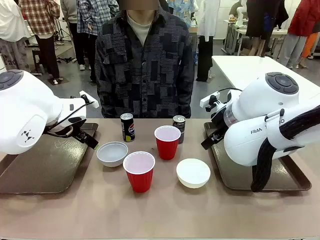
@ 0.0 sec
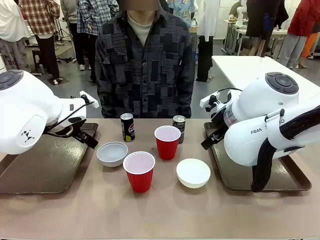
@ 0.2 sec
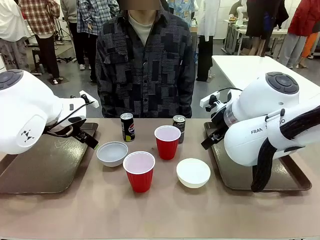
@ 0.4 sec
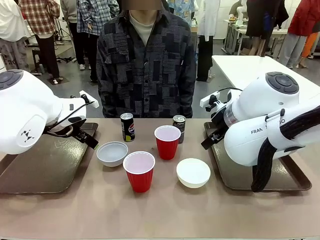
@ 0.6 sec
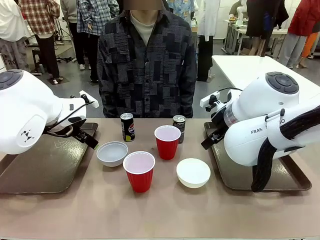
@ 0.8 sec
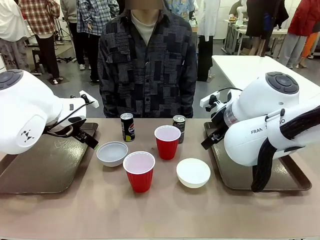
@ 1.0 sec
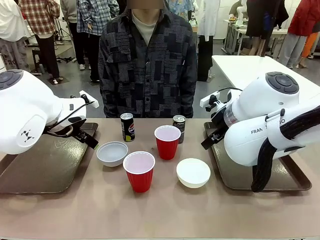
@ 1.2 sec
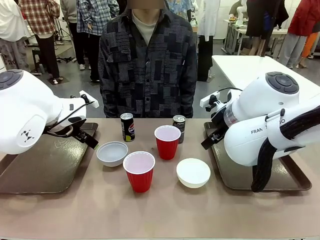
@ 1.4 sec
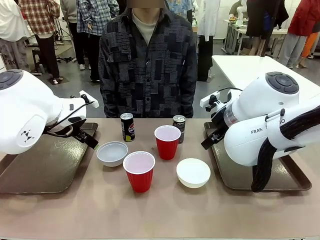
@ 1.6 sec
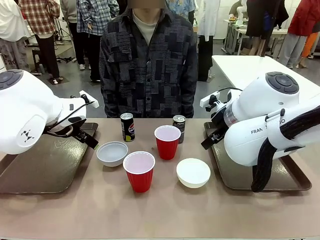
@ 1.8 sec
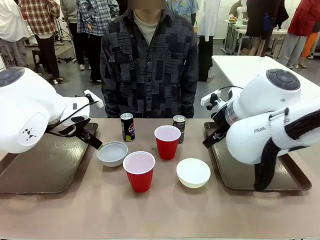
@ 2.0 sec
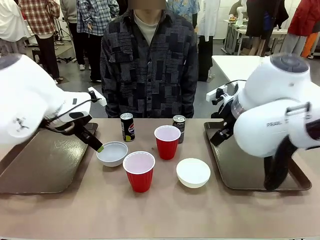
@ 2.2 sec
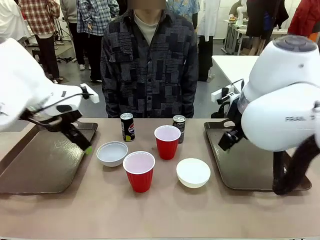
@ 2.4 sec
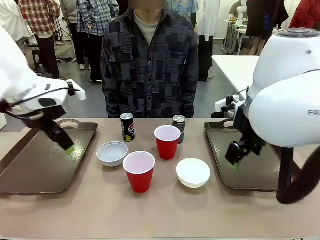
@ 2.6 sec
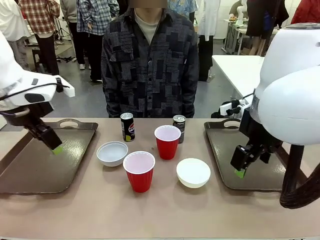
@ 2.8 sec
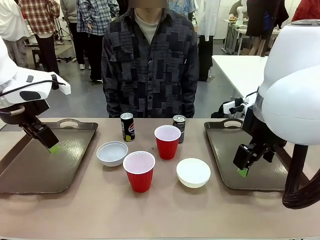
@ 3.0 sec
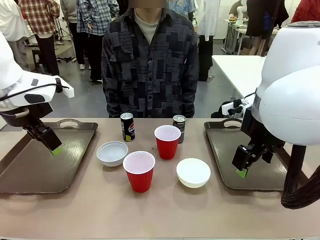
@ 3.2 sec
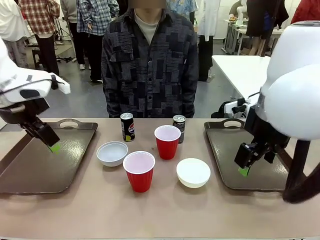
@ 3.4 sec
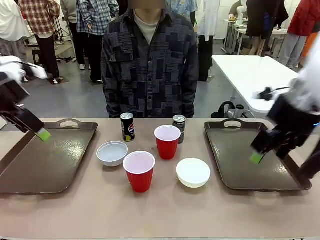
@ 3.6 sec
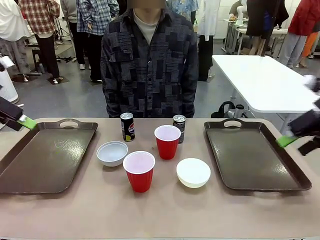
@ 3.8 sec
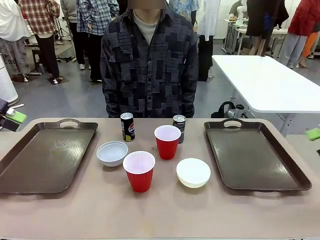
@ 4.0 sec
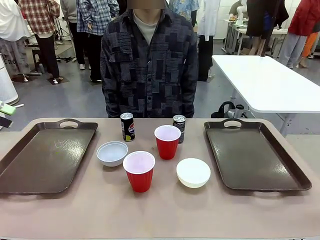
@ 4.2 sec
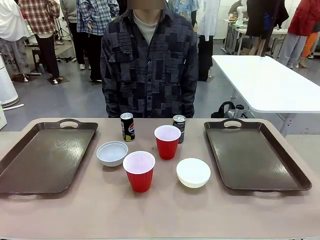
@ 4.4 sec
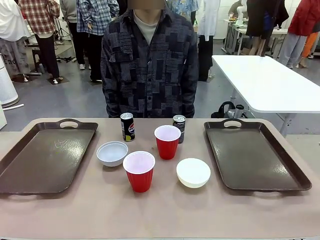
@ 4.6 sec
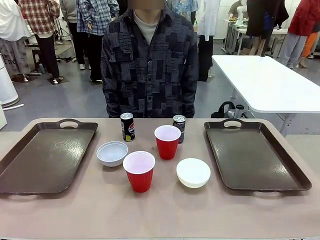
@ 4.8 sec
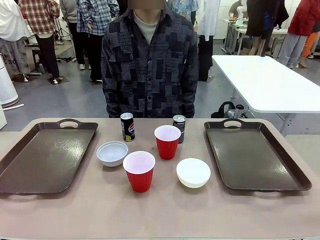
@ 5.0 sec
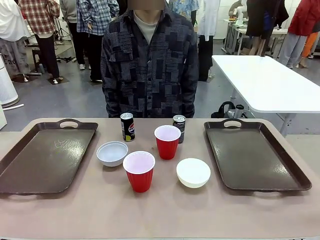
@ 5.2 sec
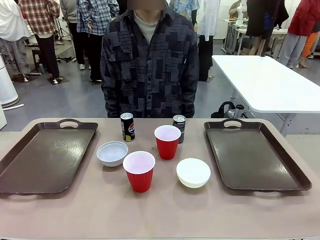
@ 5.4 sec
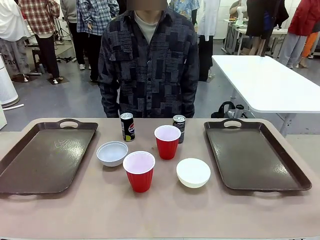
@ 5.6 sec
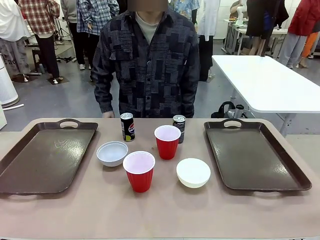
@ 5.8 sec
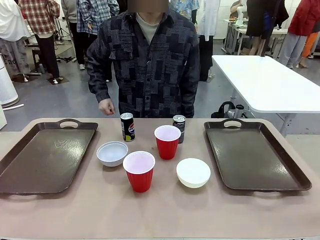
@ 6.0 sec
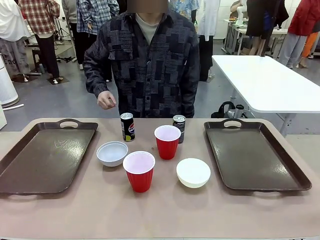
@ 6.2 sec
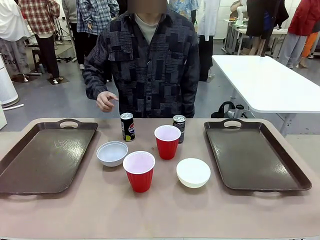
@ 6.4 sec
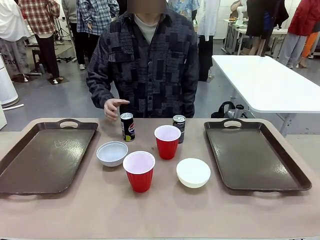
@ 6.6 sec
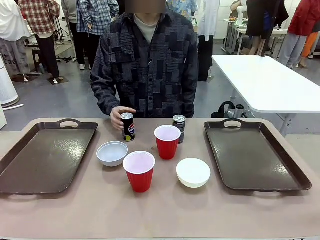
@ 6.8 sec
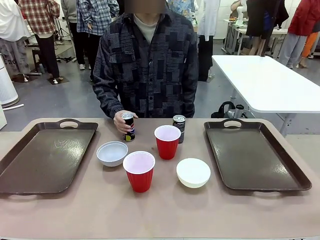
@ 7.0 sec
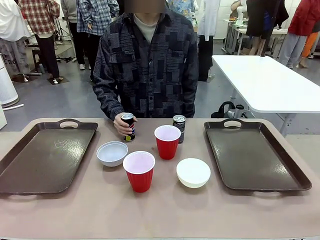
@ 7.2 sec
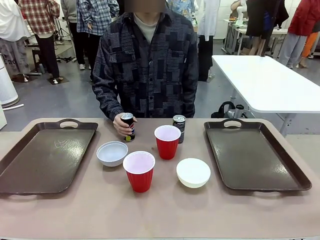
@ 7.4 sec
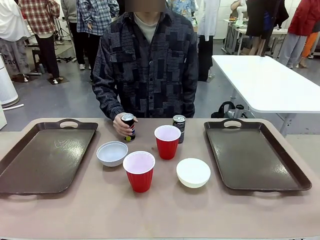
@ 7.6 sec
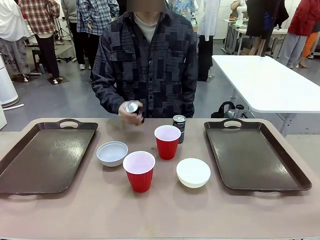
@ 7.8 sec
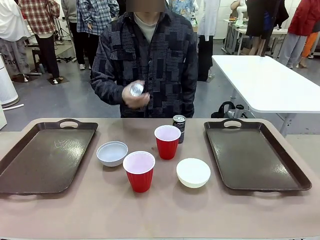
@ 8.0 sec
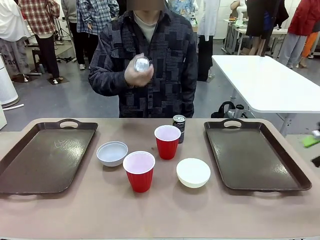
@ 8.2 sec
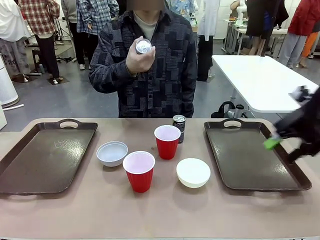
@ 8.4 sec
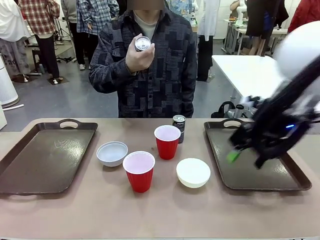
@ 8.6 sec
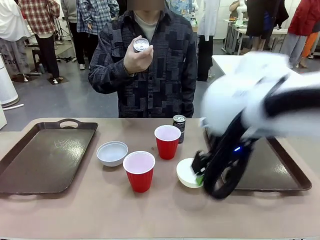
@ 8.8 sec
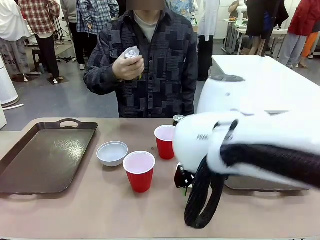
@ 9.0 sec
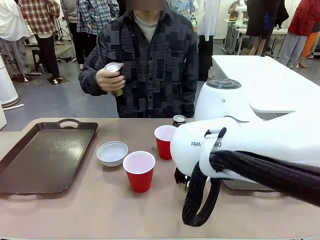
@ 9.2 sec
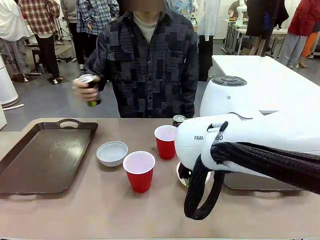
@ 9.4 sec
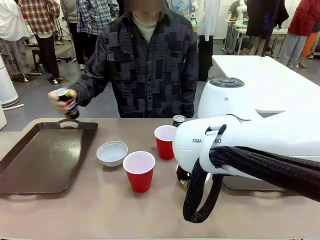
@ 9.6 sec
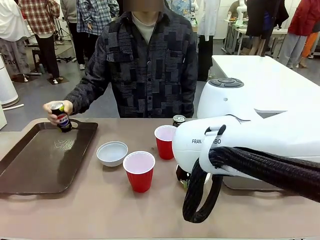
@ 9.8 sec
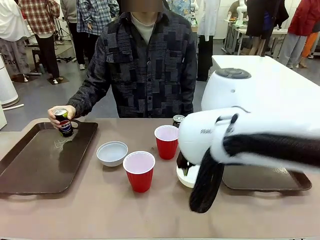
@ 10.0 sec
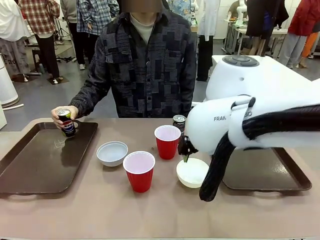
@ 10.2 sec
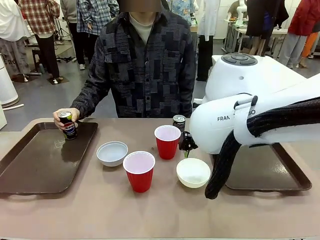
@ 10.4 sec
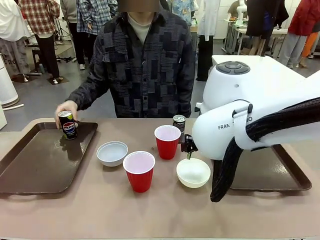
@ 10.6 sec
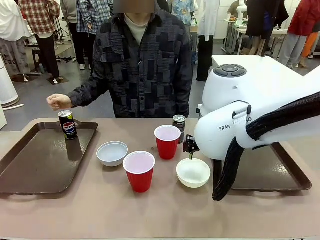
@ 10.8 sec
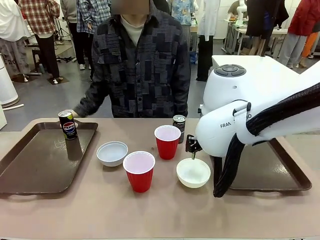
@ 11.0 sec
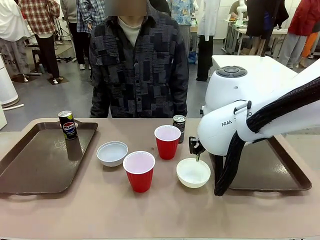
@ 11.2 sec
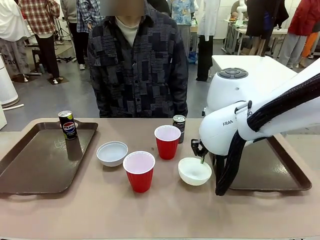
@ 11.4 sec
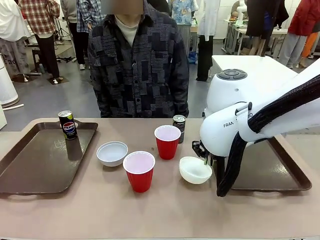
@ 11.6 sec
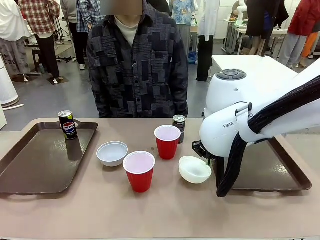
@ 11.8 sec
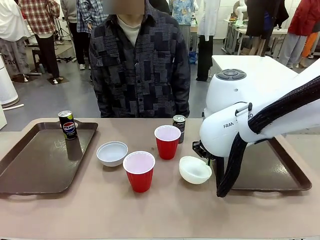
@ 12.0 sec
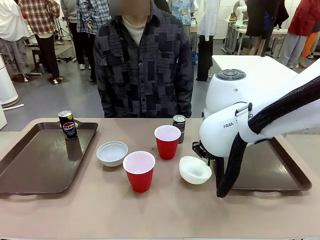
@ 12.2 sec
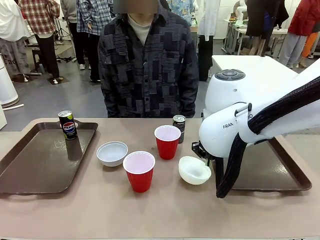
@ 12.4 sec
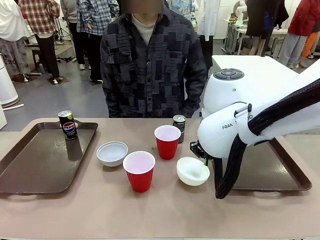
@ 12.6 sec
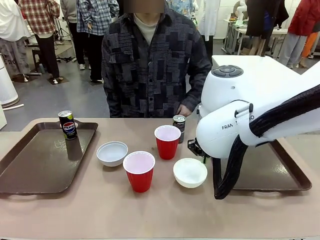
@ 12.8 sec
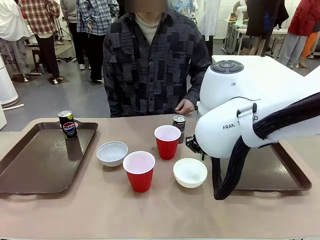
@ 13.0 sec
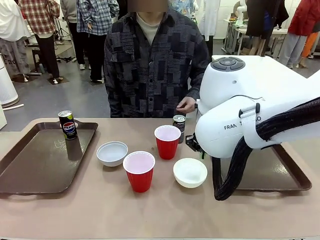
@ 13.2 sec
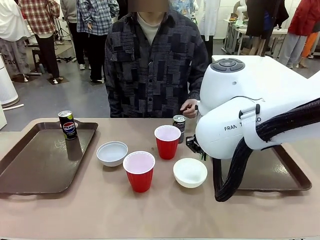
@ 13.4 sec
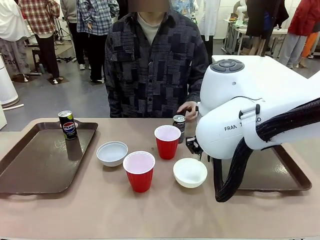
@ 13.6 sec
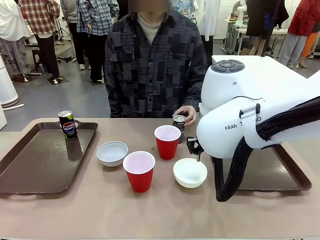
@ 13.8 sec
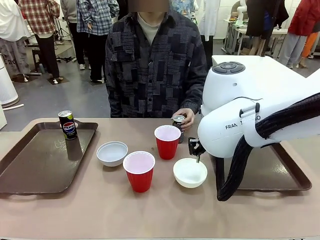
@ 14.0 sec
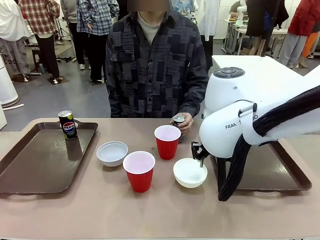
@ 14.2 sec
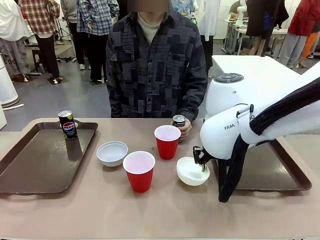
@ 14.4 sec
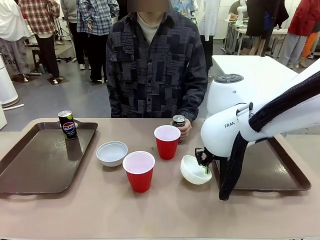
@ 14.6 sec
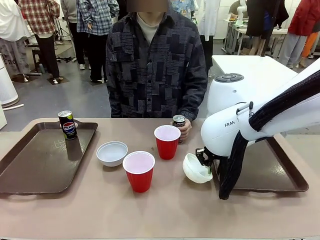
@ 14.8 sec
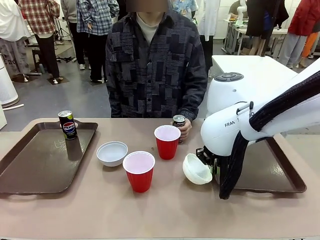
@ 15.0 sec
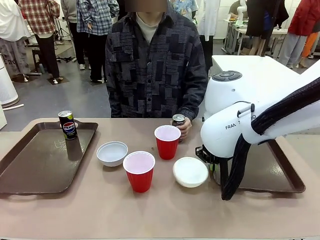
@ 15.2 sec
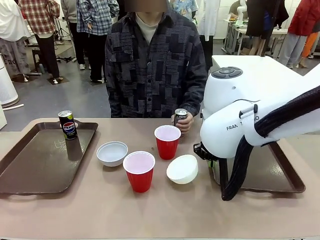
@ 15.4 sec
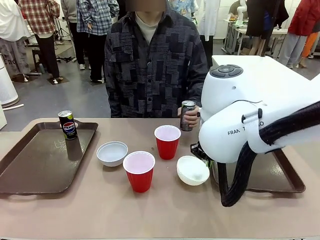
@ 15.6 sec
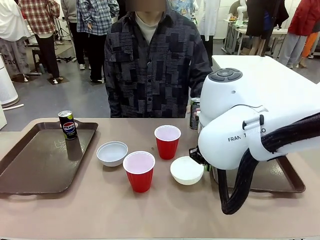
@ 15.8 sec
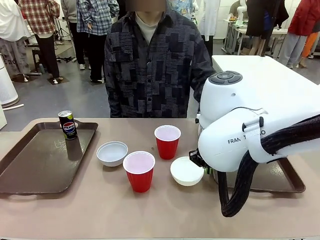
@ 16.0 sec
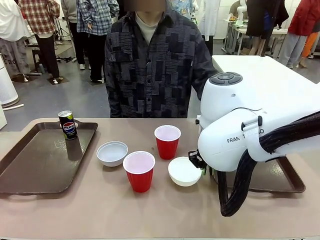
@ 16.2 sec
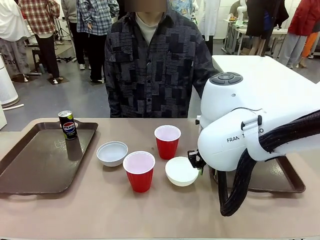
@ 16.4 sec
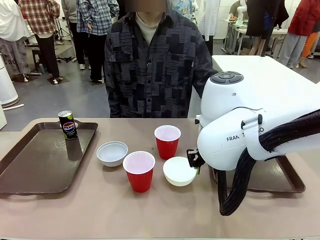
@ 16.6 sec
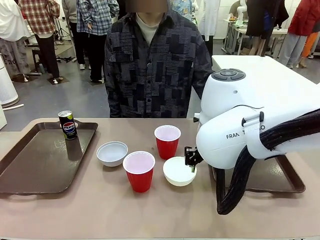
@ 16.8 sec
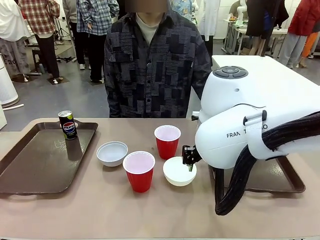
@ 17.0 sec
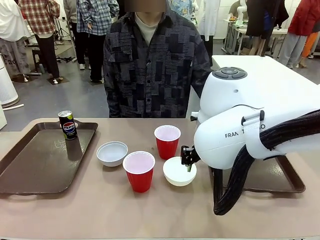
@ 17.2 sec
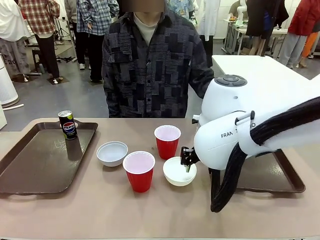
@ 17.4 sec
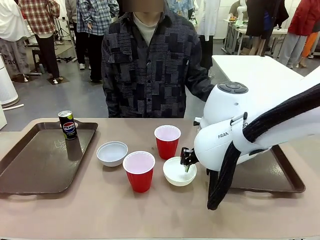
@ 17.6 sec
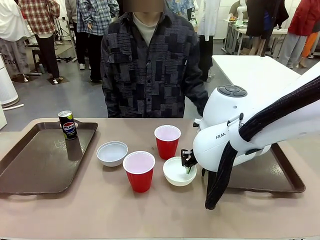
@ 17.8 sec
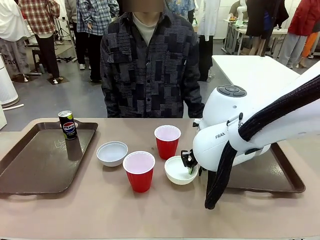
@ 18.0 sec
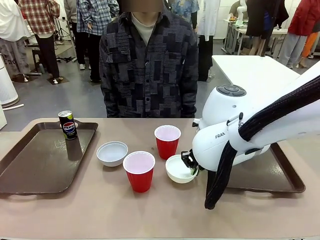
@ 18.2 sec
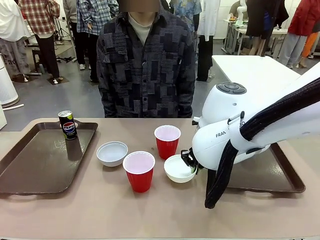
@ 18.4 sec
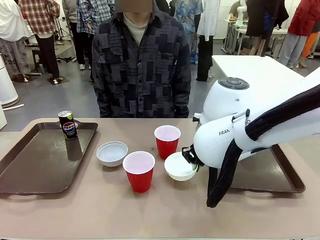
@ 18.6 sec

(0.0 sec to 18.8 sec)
Task: Prepare tableware on both trays.
Robot: Pick up a Picnic Bowl from the table and place it on a Handle tray.
Person: Pick up a can or cup and place it on the tray.
